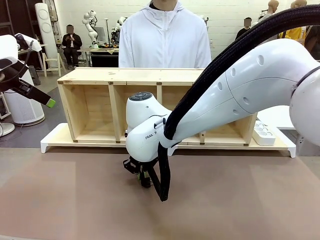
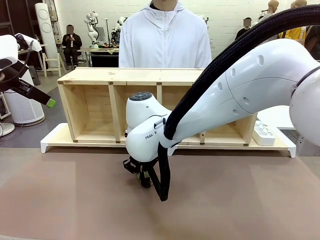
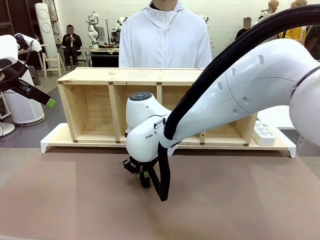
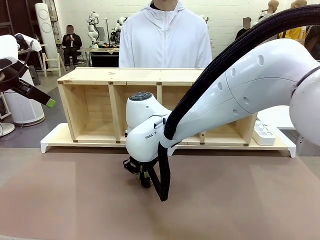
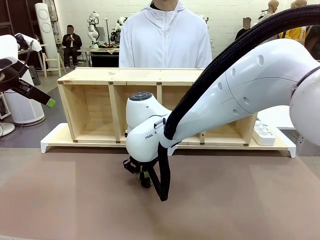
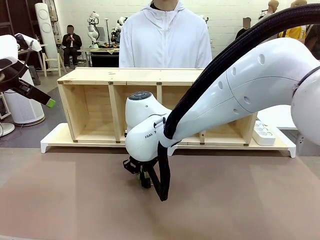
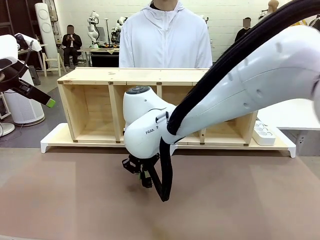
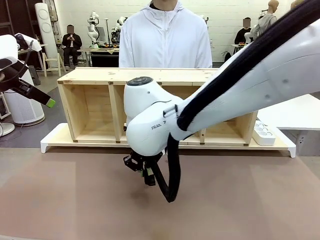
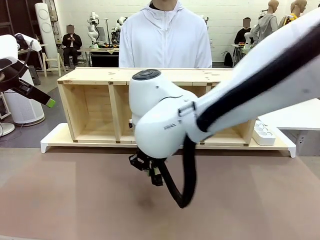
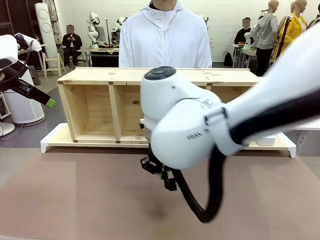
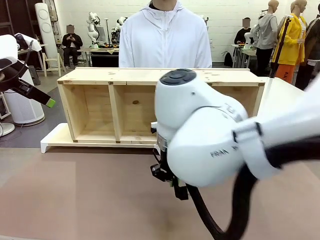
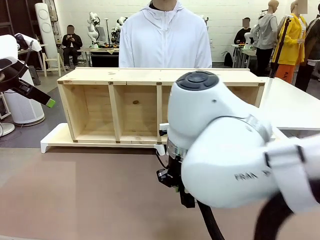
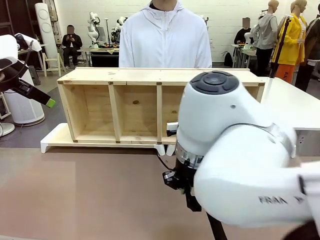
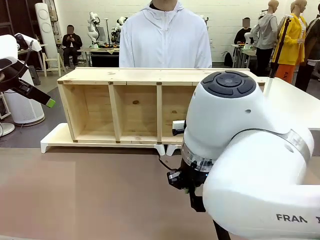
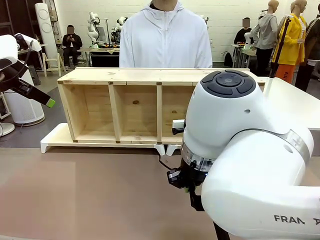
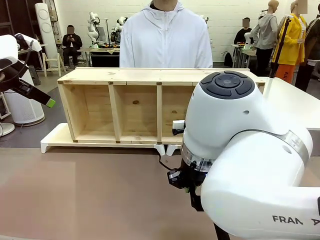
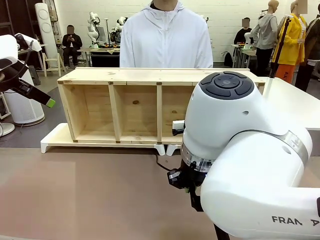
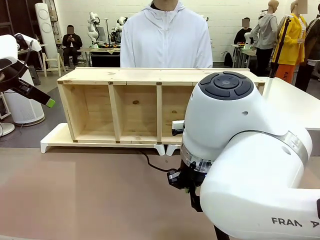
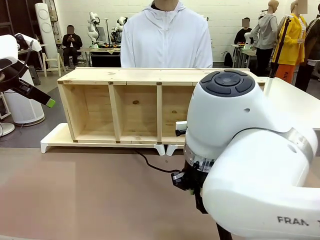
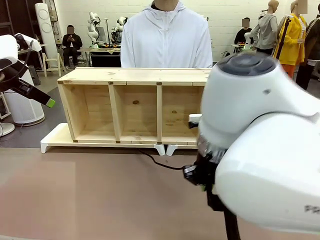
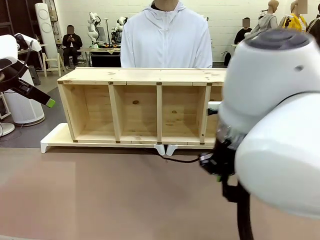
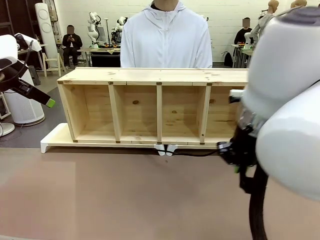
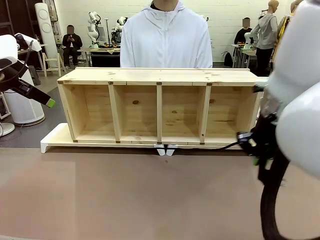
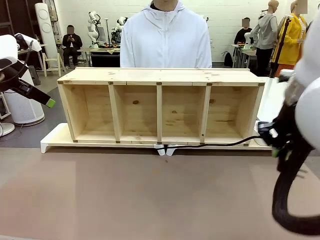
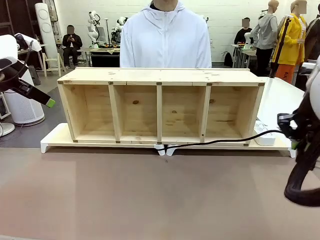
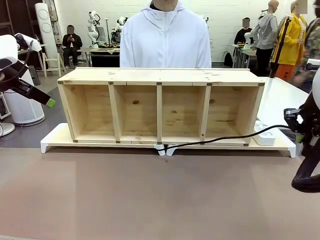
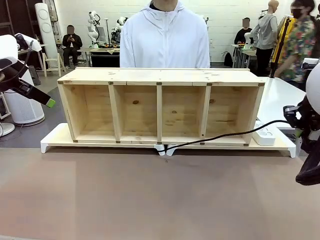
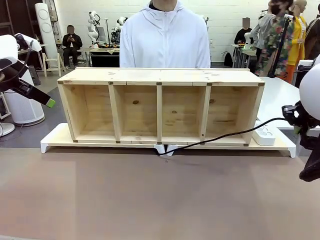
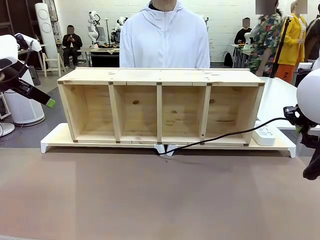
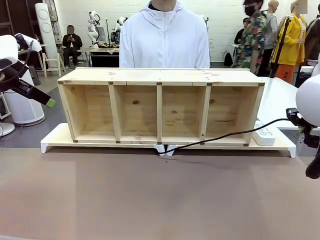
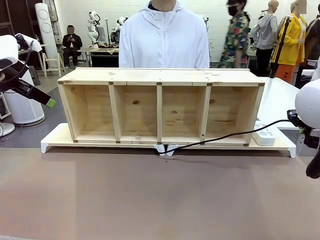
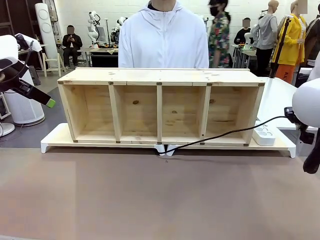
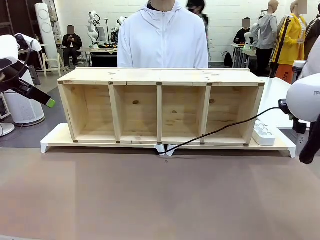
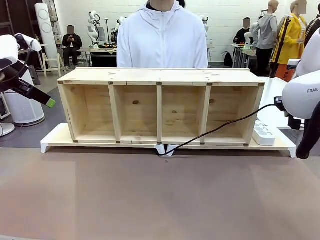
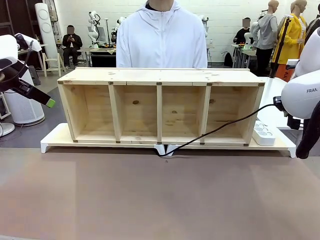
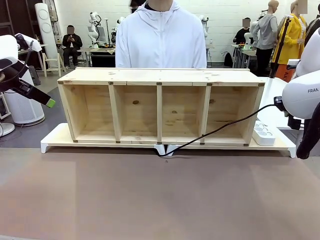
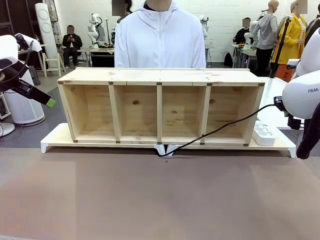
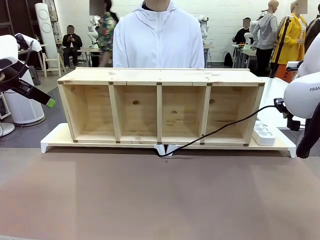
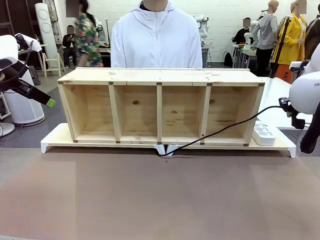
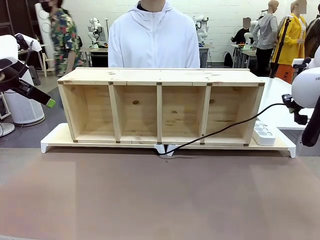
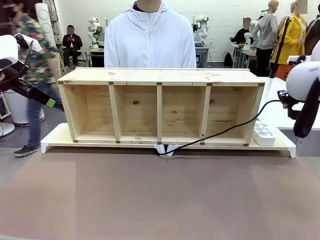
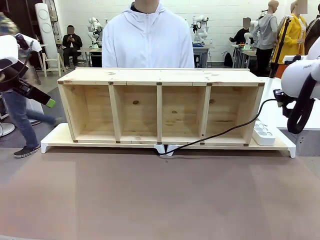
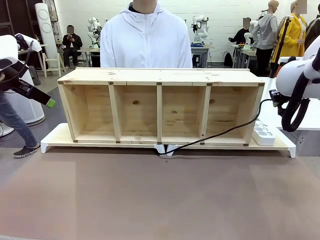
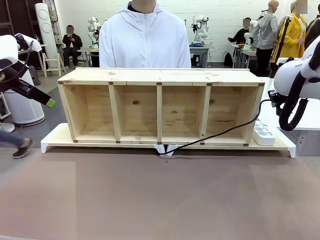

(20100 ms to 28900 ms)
Task: Perform cable management.
Robot: Pull the grasped Power Cable to the location of the Power Strip.

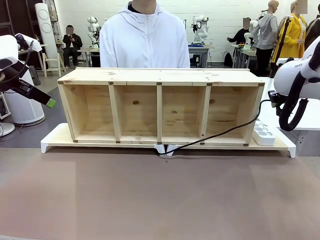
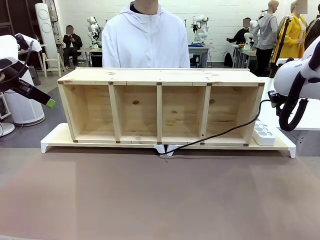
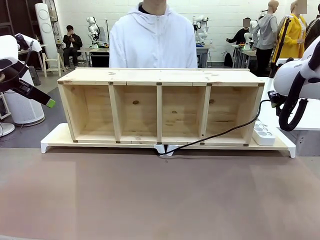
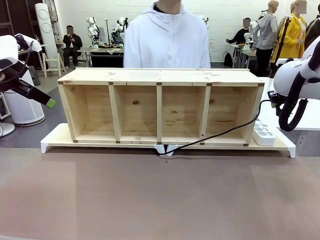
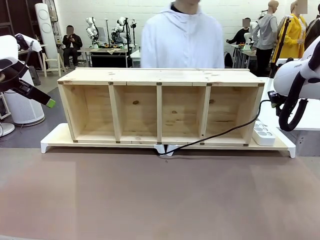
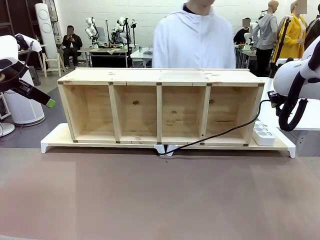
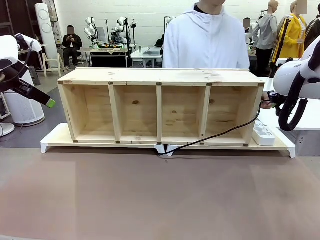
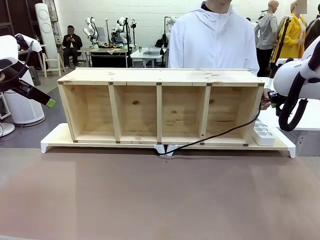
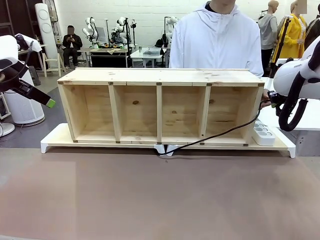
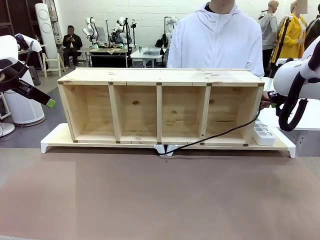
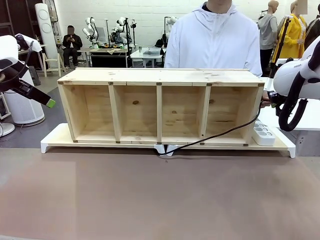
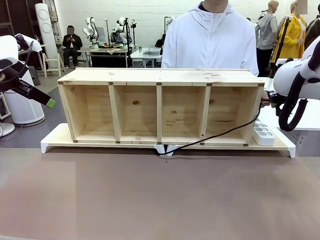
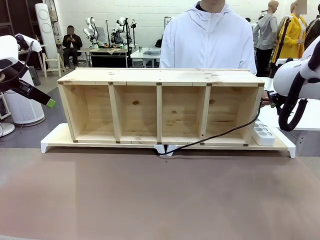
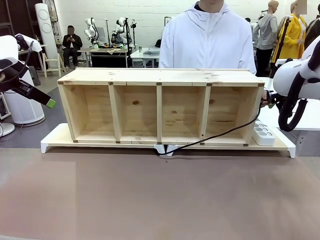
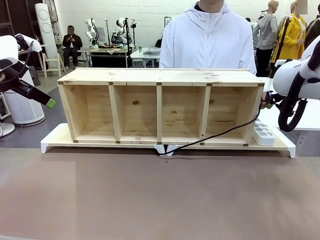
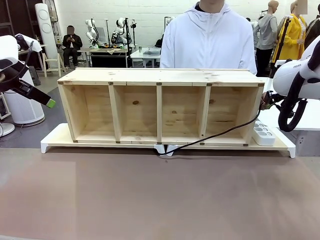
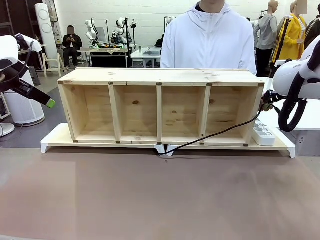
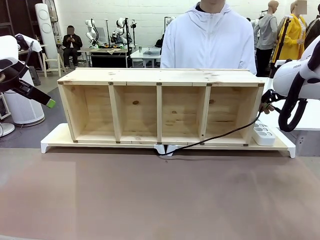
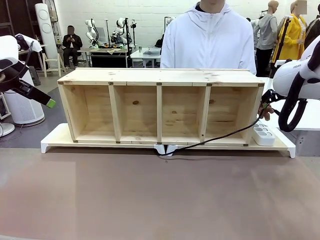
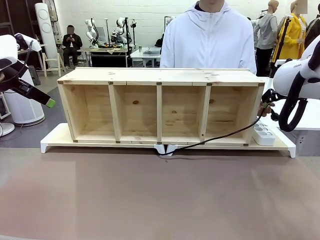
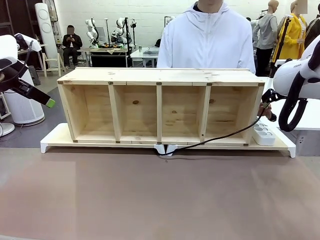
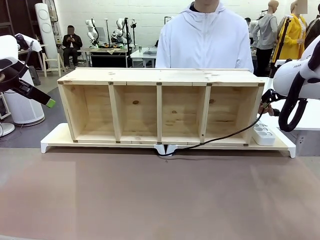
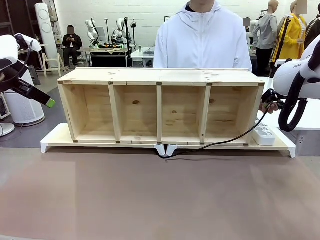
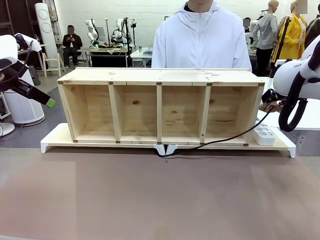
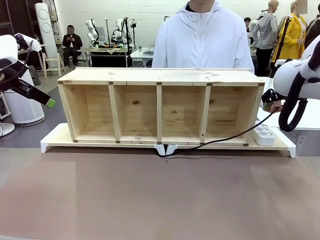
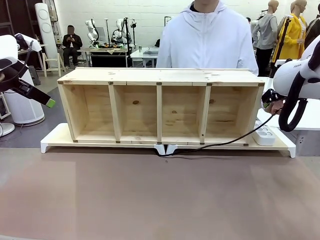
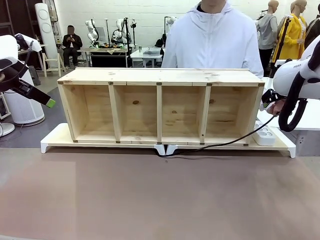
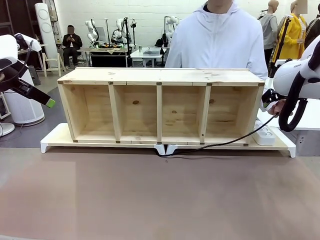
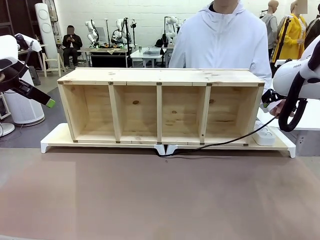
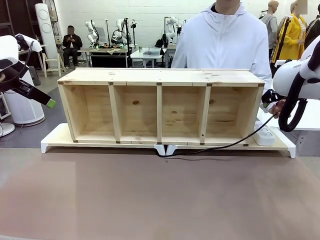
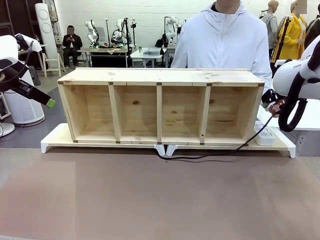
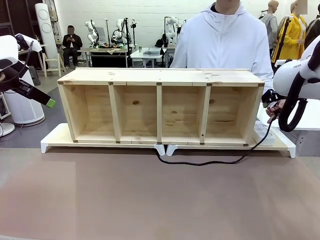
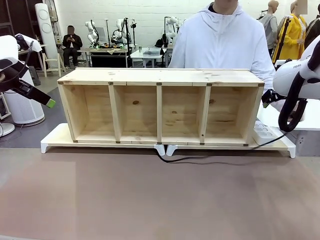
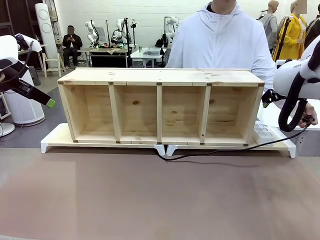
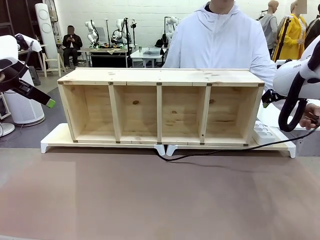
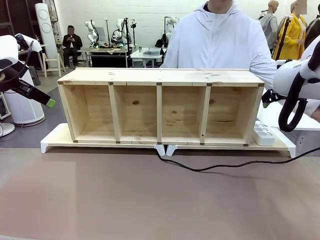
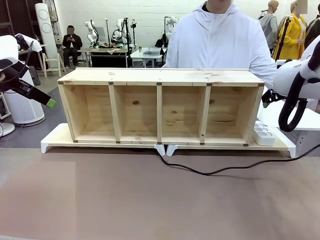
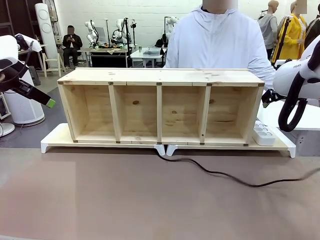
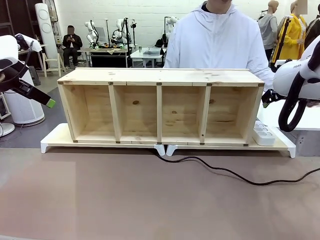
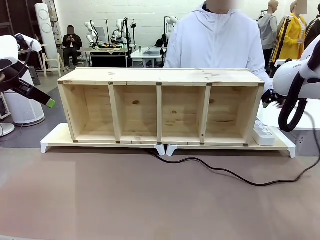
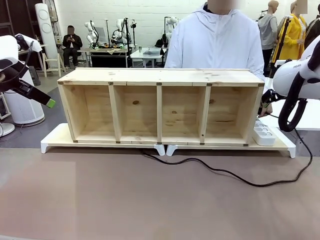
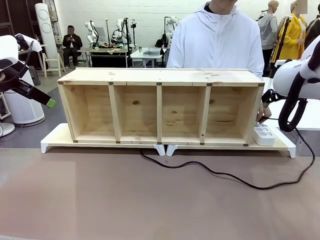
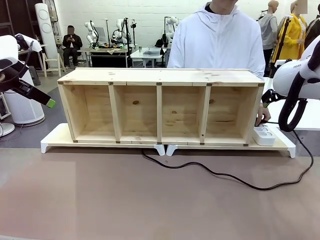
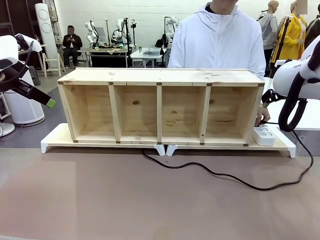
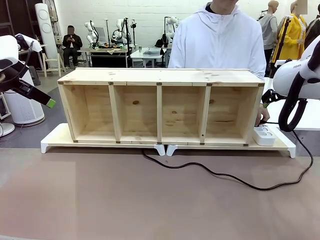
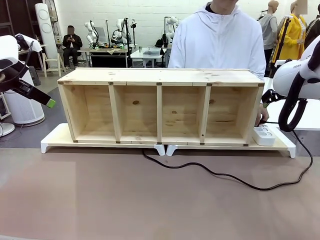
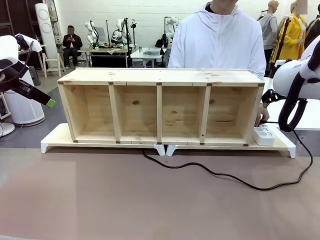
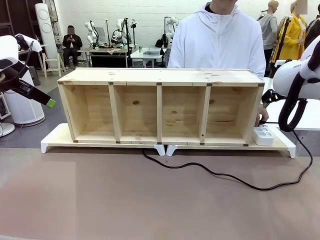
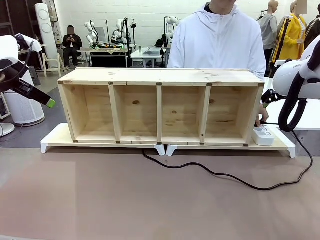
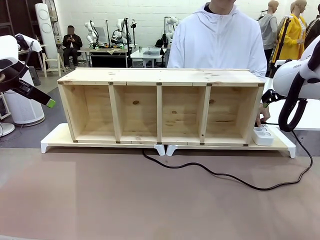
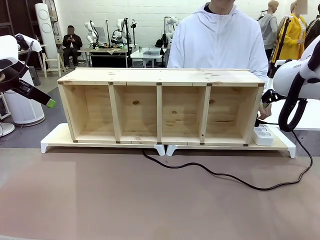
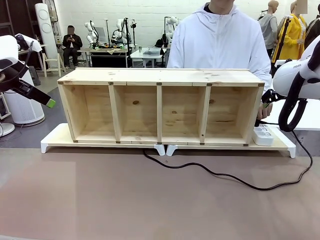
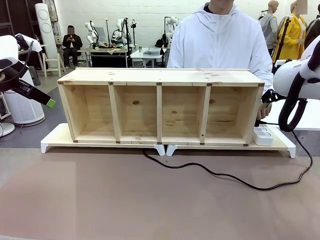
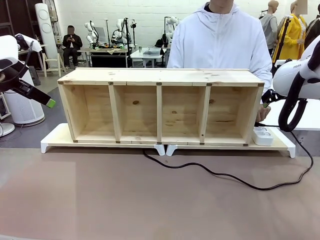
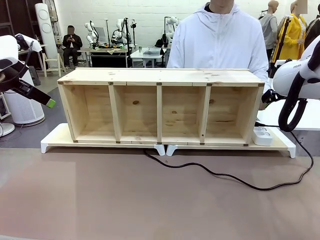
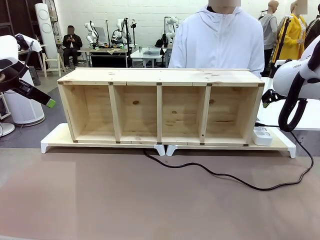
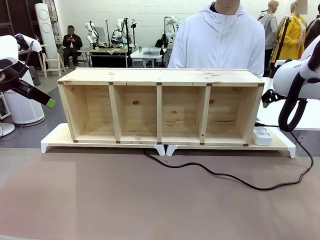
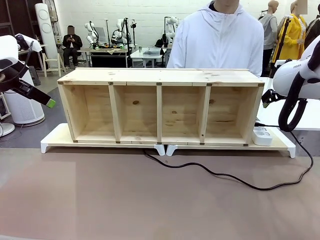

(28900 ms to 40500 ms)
Robot: Release the Power Cable when the human grasps it.
Person: Plug the Power Cable into the Power Strip.
